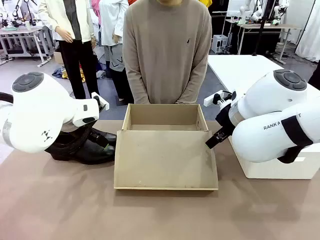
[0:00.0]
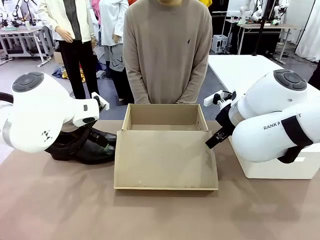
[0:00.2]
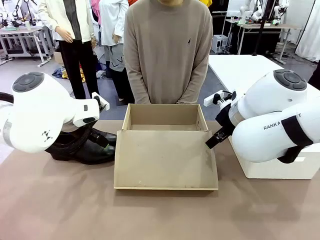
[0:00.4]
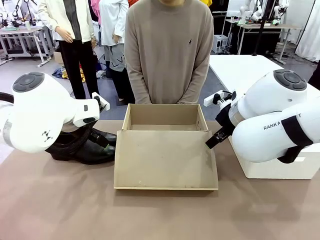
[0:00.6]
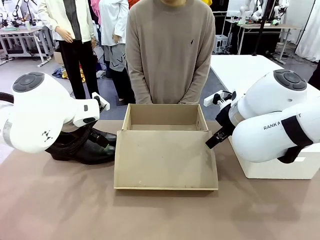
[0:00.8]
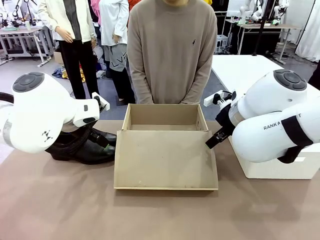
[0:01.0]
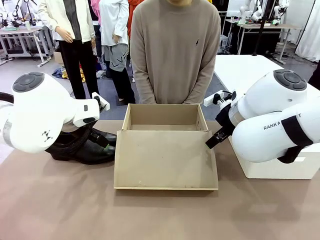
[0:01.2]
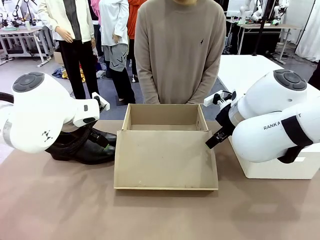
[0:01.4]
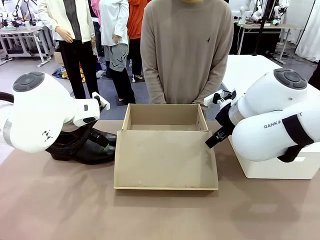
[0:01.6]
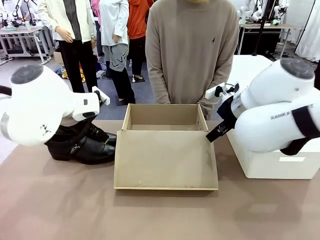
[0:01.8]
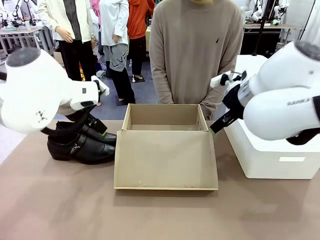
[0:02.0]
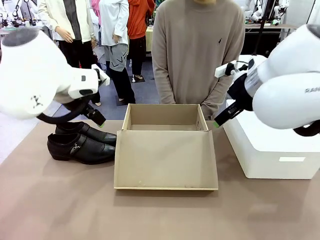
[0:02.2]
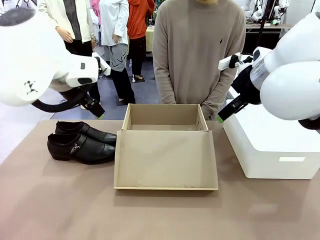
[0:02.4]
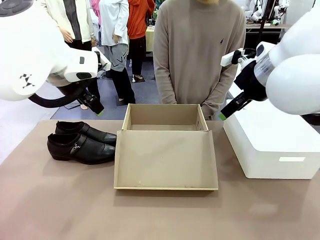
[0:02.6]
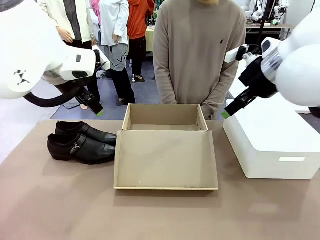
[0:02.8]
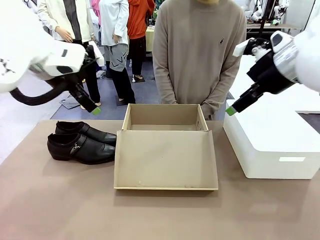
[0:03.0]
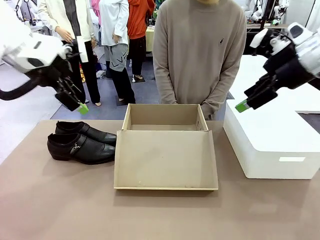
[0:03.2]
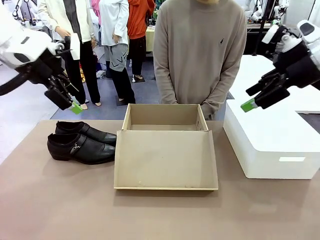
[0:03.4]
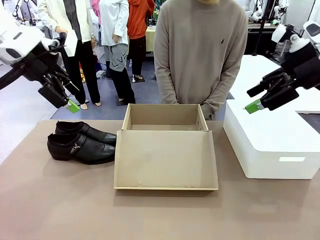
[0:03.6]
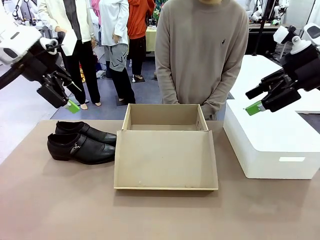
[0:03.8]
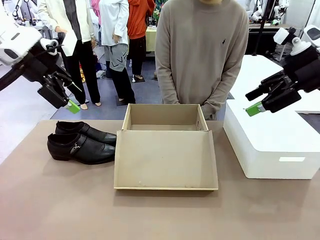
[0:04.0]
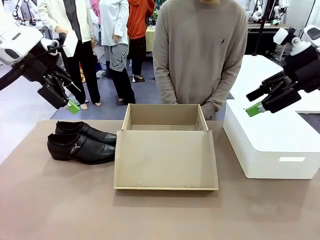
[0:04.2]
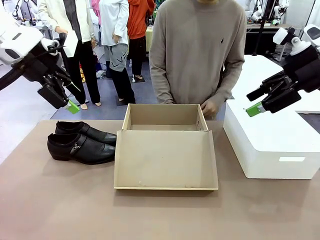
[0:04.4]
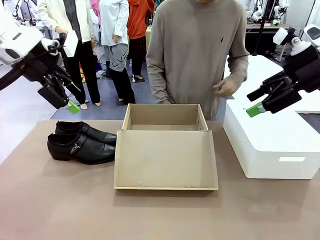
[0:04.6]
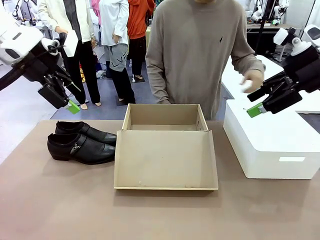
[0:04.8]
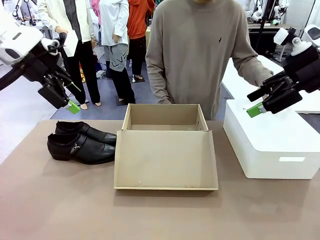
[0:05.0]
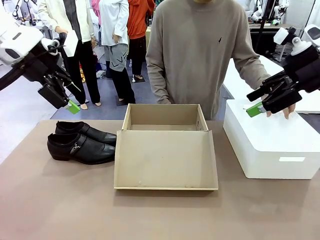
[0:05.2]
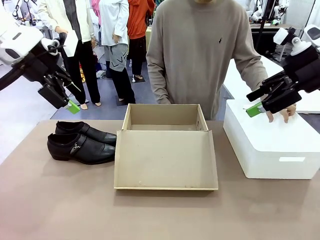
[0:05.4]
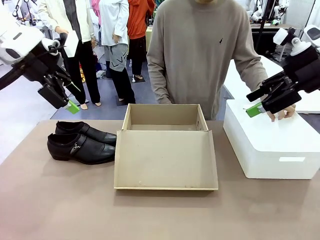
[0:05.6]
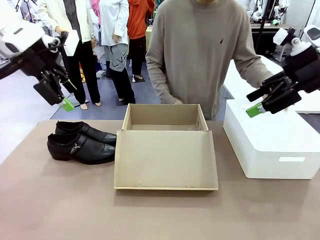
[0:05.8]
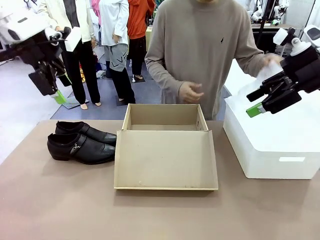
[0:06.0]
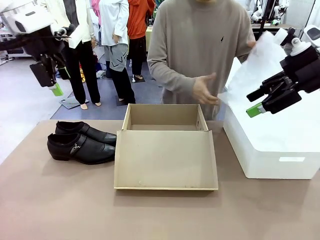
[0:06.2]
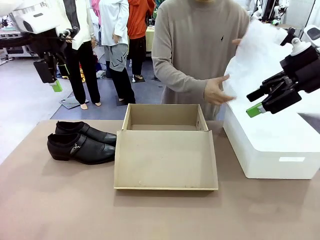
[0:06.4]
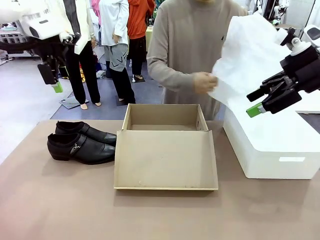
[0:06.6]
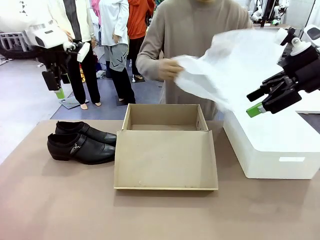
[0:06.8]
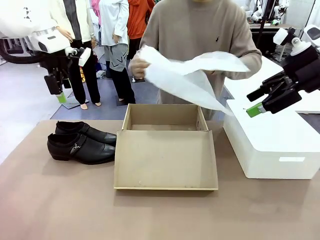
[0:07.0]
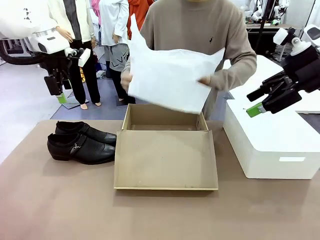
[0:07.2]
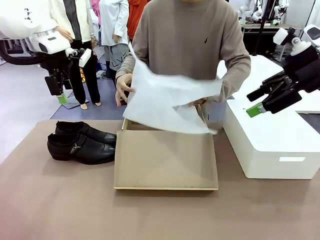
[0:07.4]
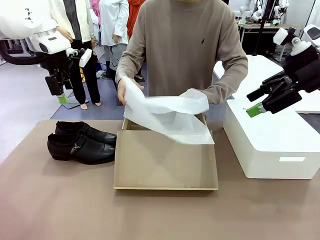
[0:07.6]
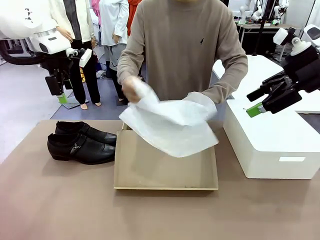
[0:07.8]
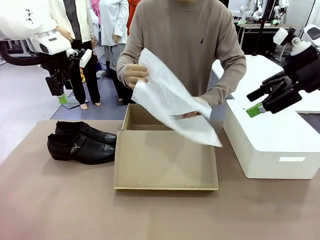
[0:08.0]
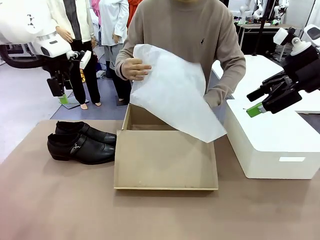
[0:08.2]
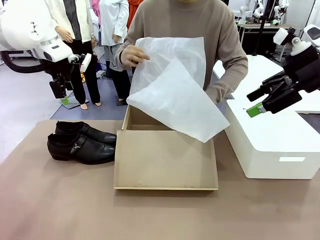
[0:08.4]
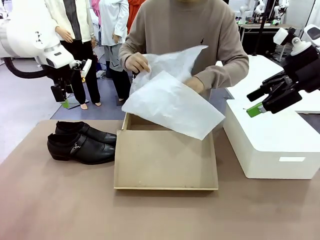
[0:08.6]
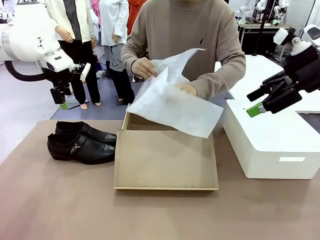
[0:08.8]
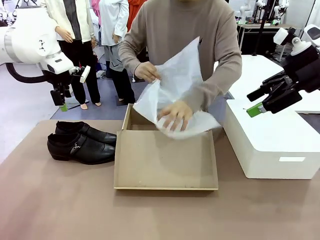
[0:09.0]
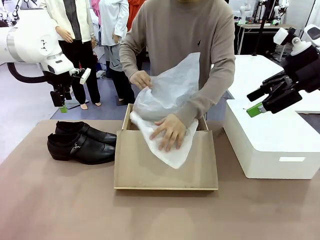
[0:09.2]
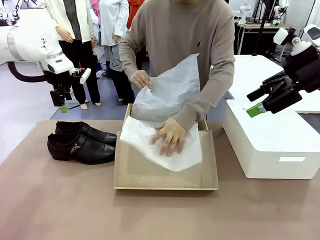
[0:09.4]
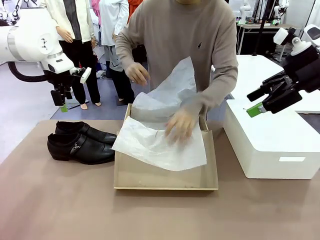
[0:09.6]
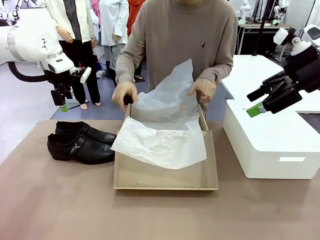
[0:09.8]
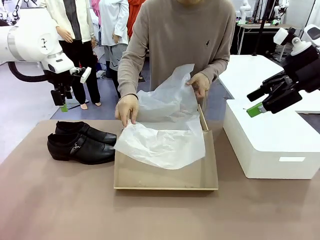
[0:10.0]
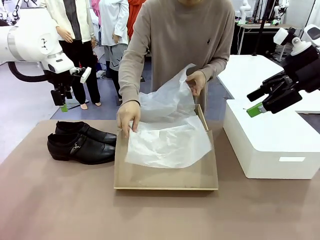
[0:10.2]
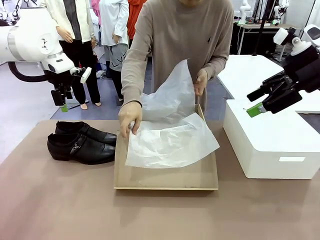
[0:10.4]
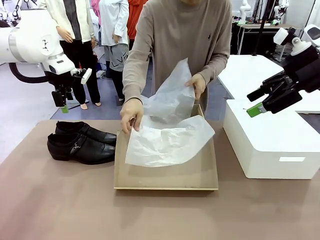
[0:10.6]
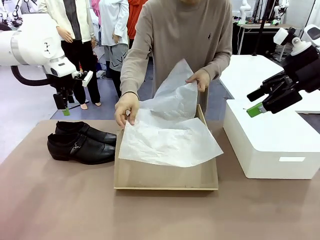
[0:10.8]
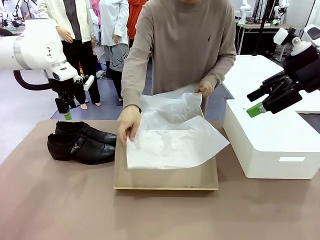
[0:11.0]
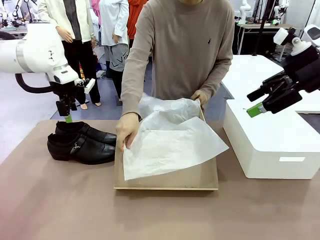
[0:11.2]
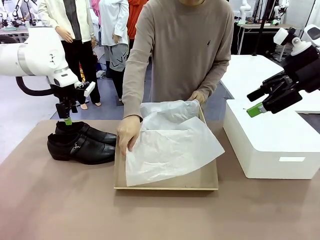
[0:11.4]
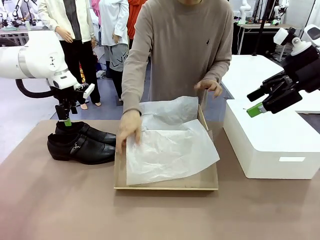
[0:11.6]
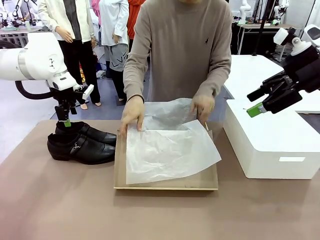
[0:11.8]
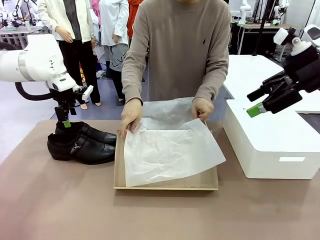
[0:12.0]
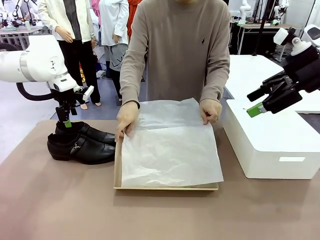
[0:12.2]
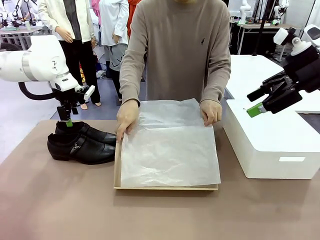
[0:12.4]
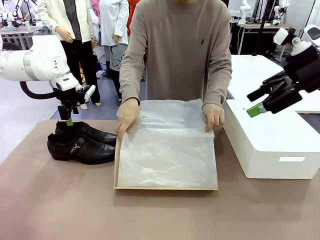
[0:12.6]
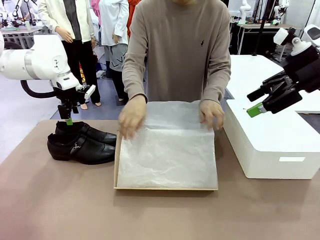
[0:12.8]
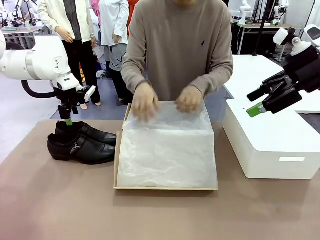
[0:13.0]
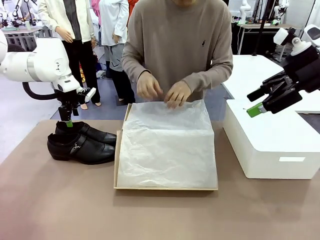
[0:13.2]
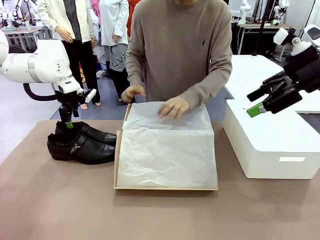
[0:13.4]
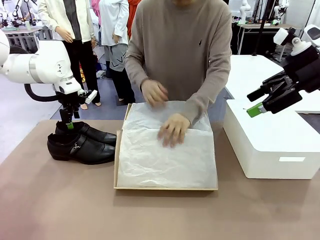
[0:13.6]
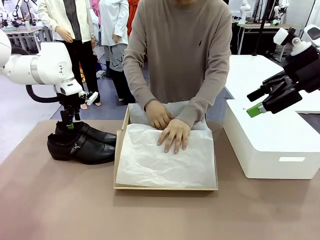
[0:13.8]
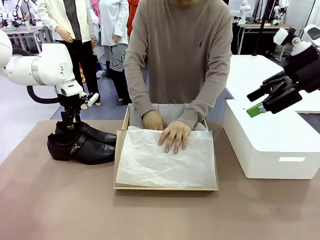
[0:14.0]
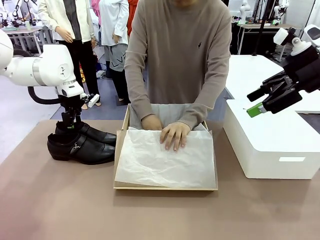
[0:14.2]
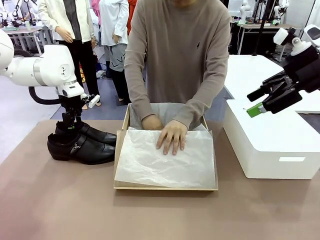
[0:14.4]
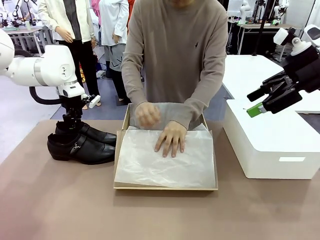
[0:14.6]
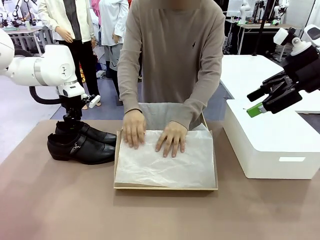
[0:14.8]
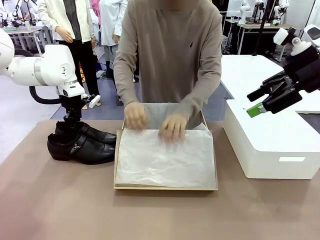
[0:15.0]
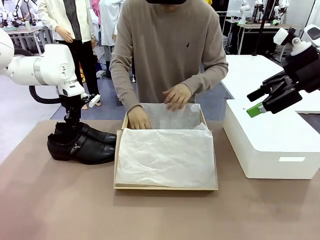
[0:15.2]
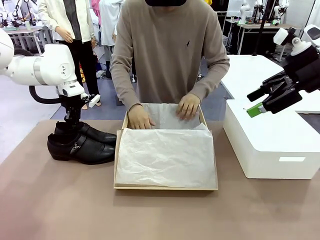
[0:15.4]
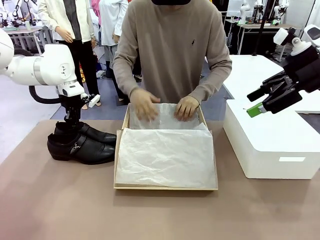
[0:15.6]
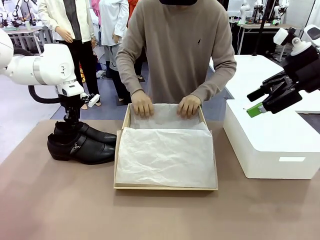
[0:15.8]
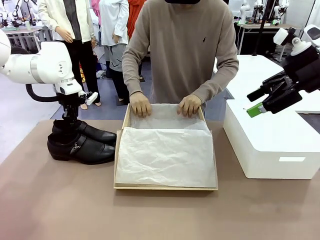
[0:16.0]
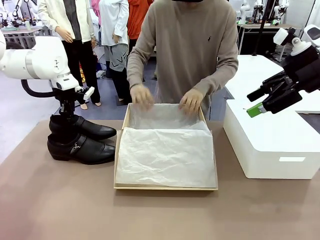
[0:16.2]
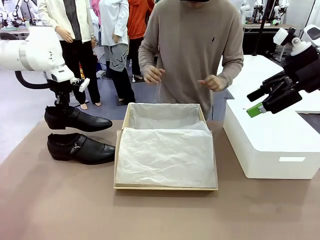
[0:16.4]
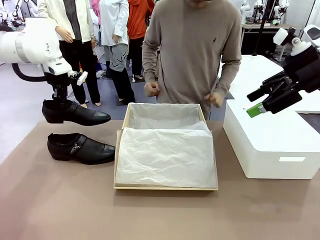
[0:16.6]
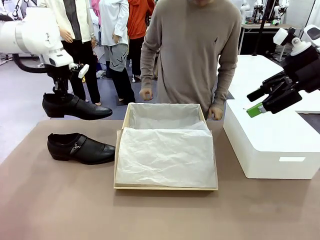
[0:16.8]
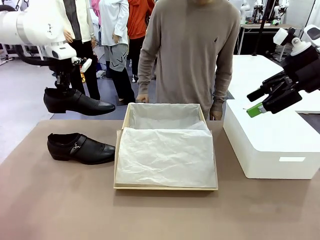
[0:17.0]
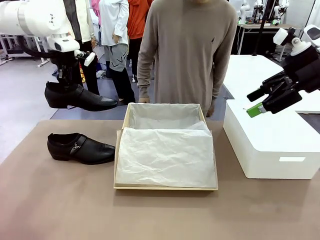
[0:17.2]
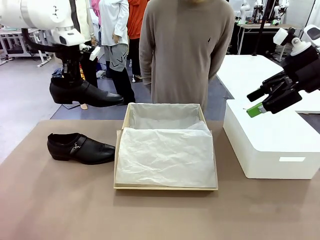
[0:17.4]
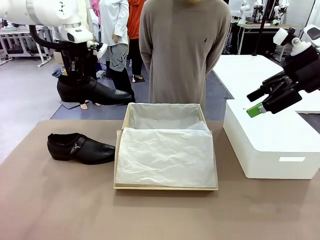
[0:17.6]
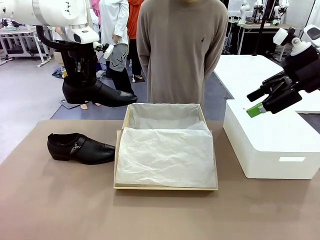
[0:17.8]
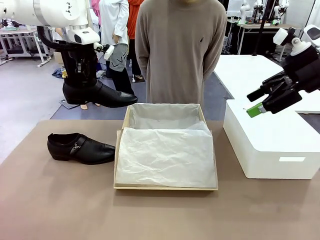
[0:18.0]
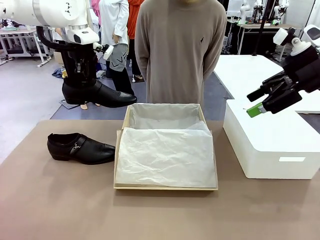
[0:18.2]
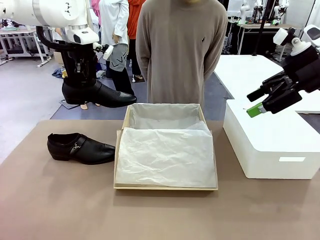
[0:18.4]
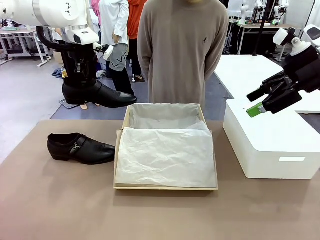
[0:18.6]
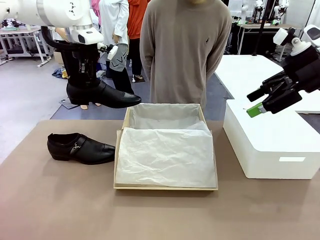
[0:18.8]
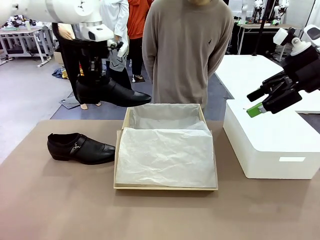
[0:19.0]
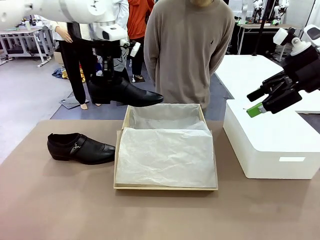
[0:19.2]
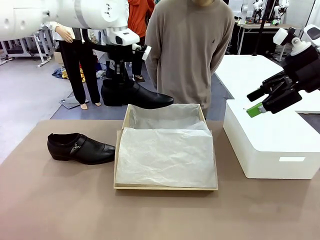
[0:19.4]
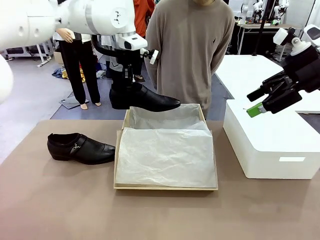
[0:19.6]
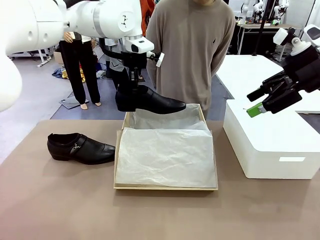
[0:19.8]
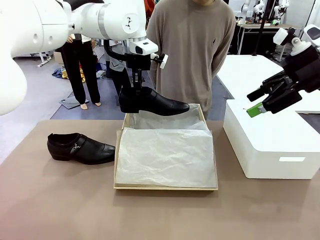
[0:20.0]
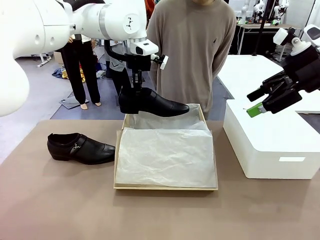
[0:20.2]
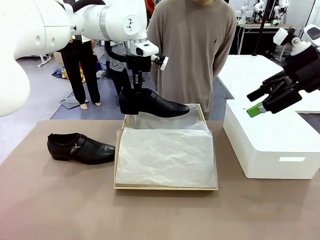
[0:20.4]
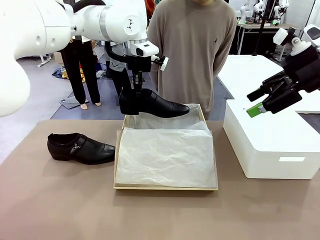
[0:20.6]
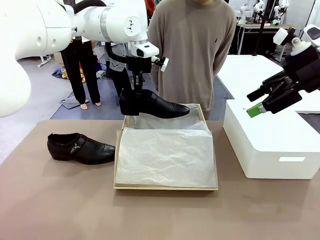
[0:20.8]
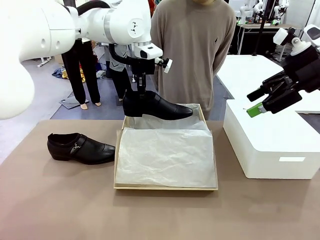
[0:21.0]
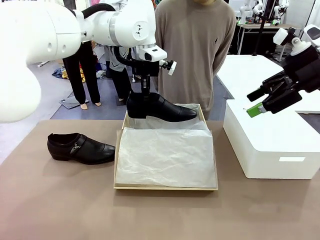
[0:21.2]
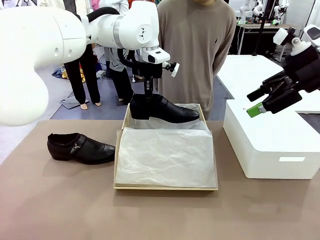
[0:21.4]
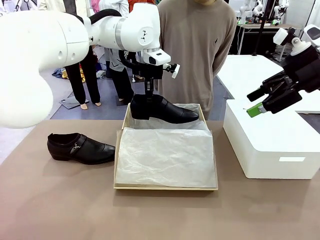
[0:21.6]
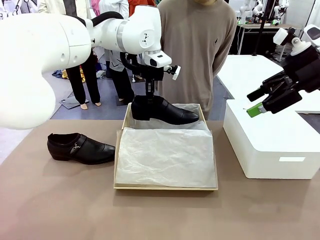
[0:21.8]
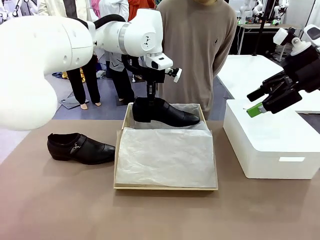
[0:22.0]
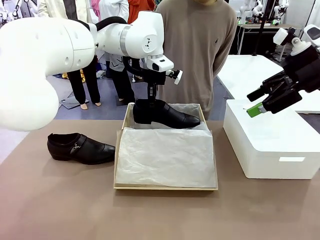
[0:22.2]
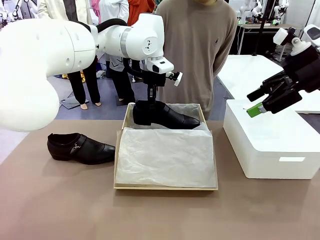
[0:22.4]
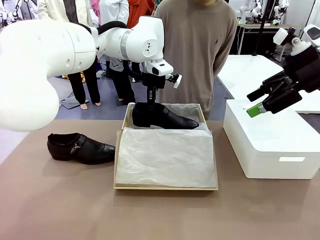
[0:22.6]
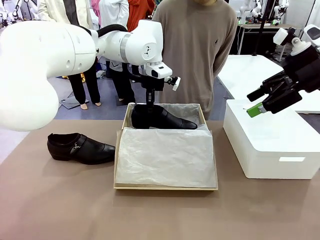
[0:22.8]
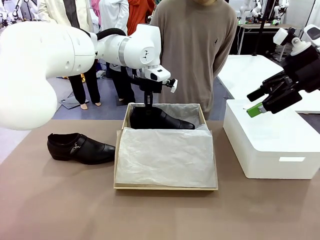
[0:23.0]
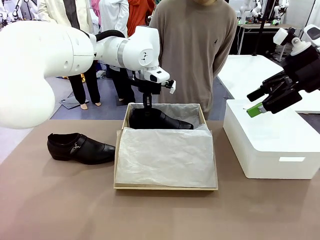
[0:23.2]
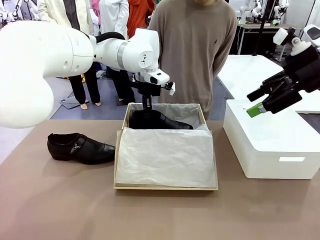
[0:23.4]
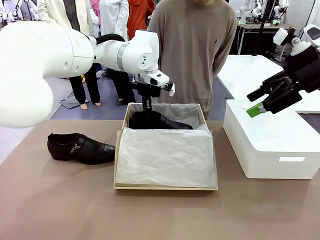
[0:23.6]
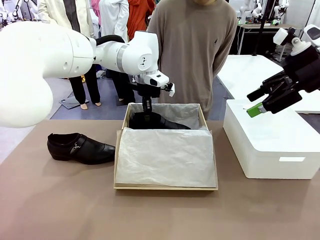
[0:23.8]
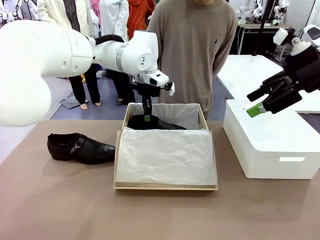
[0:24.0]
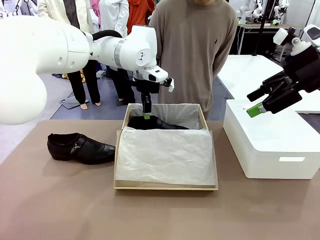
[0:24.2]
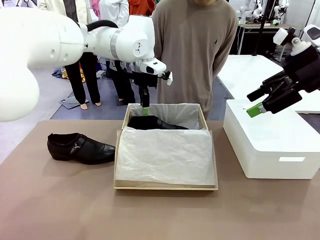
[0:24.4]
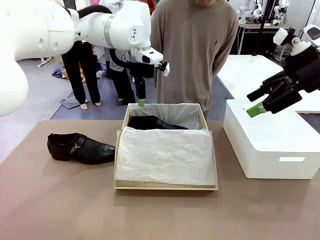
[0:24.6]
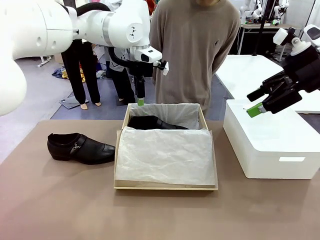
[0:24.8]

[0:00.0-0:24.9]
Task: Pack the shoes into the box.
Robot: Place one shoe of the Shoes into the Shoes Box.
Person: Spread Shoes Wrapping Paper and place inside the Shoes Box.
